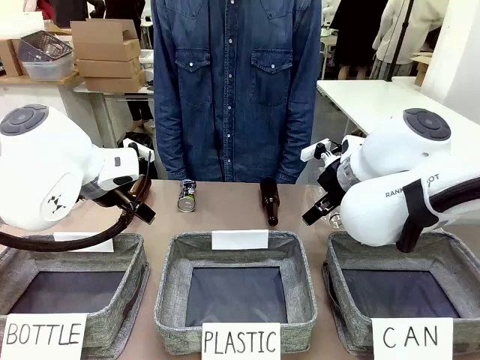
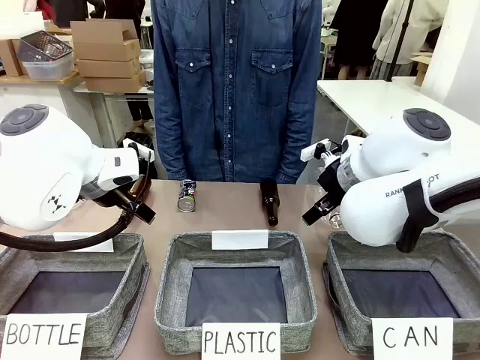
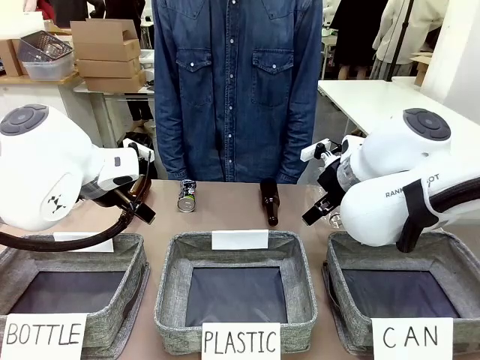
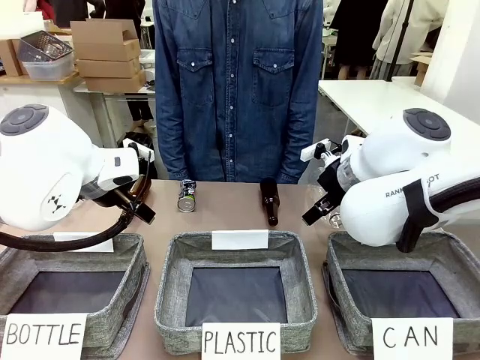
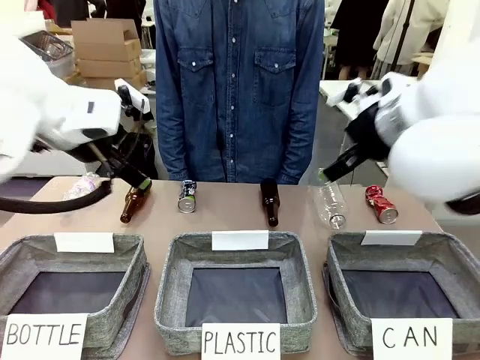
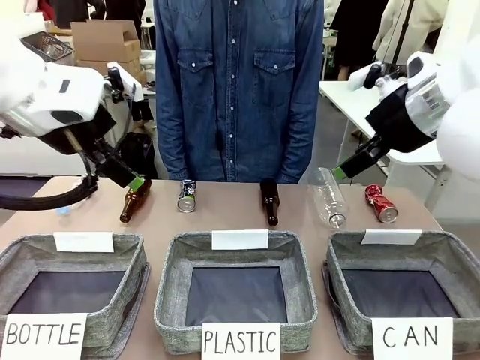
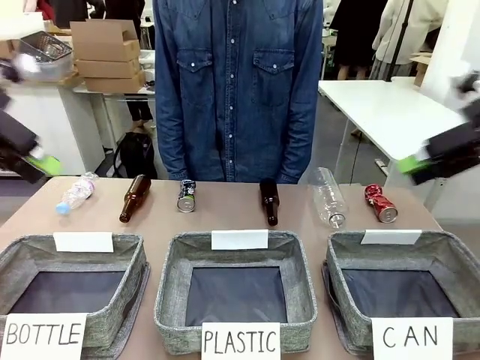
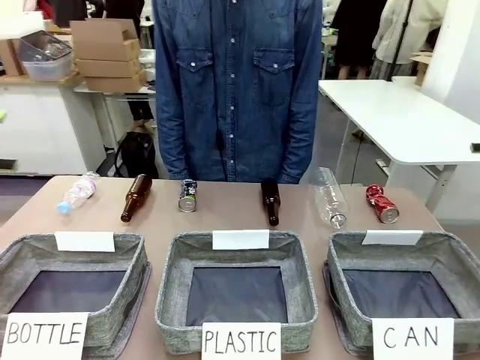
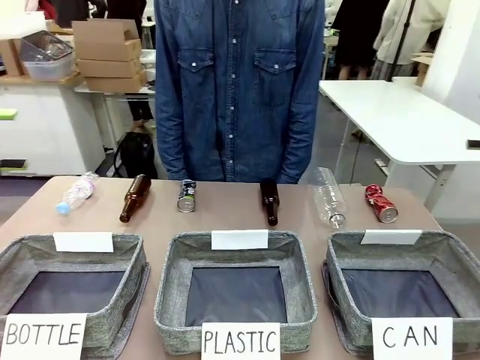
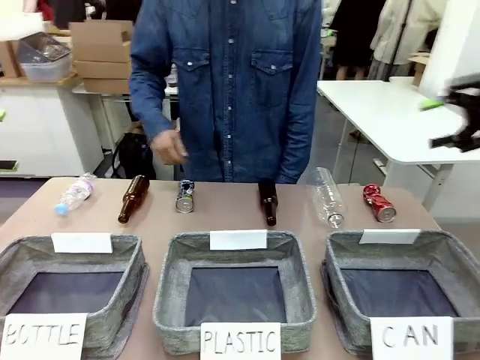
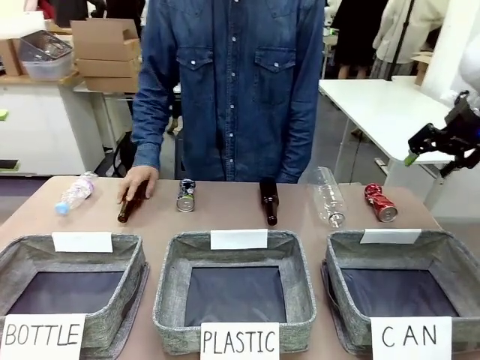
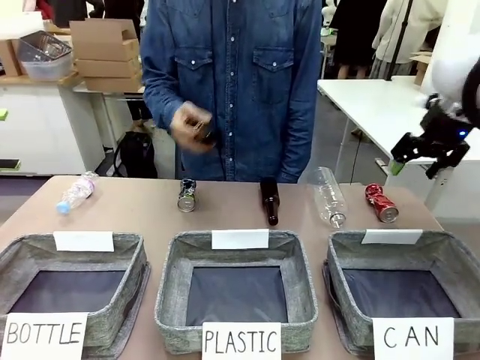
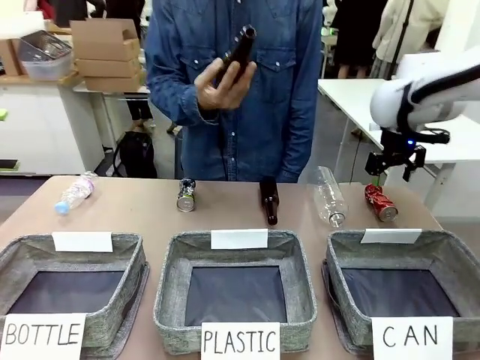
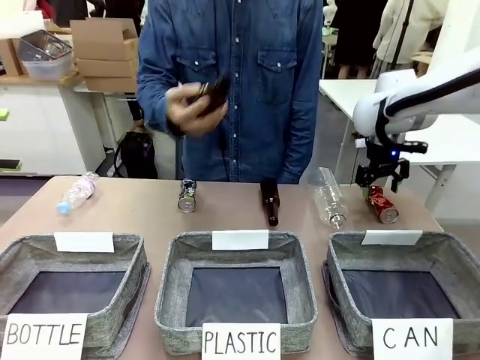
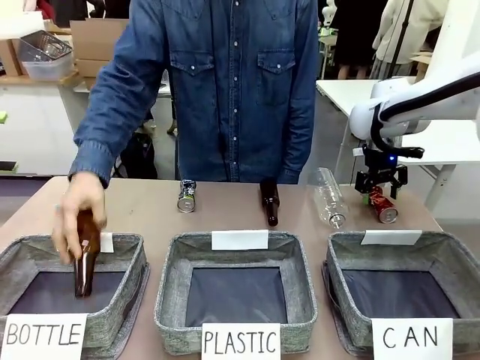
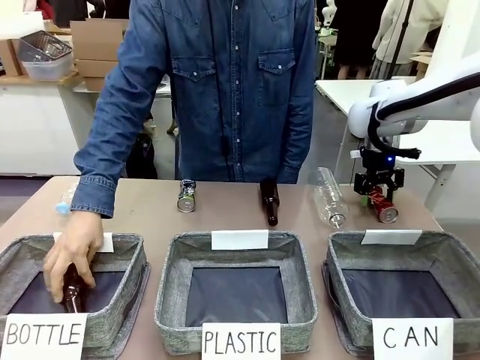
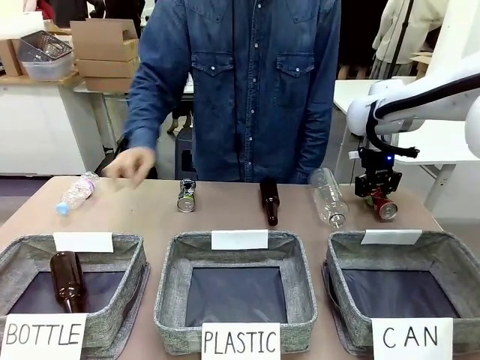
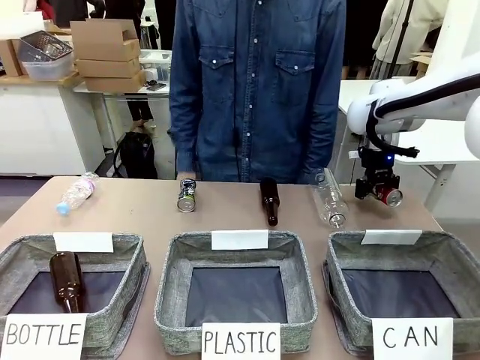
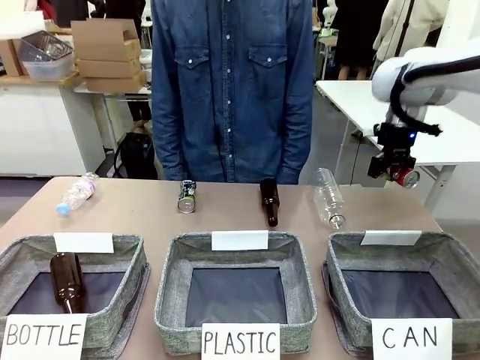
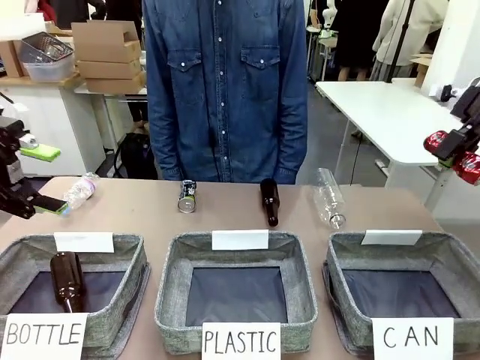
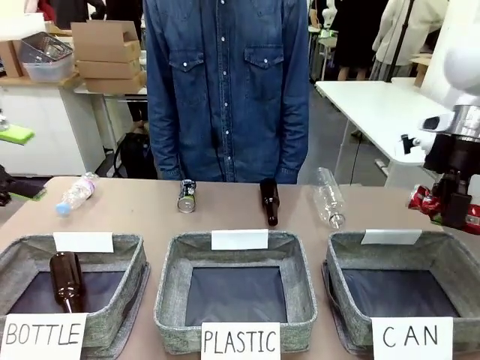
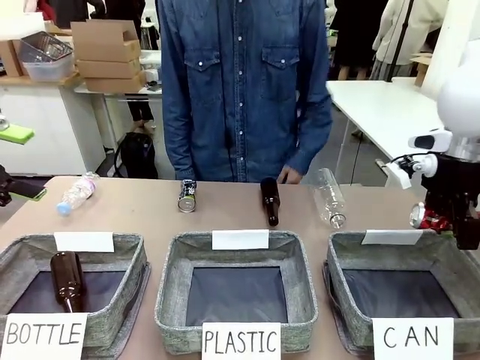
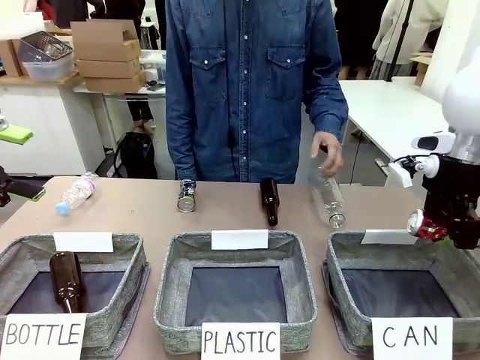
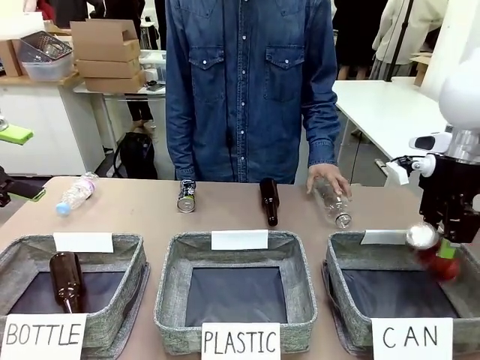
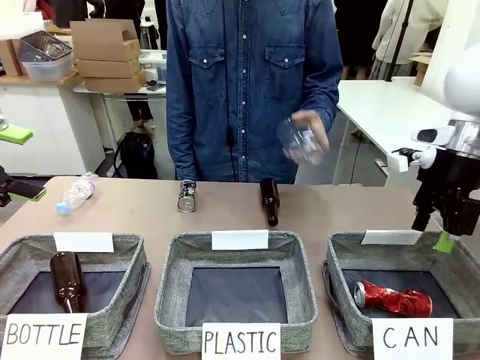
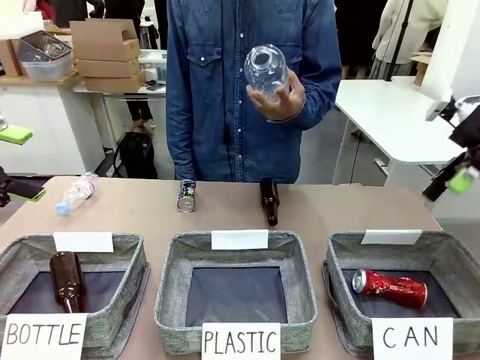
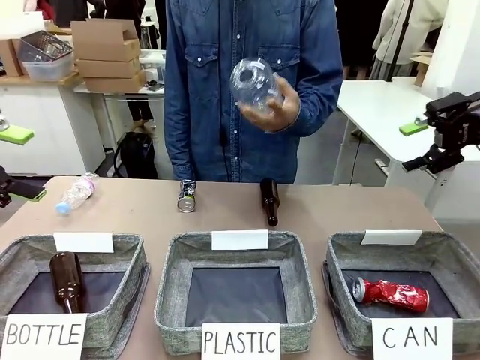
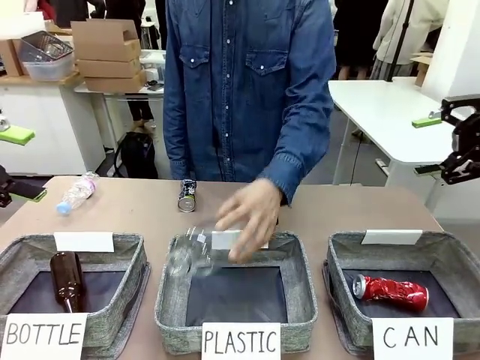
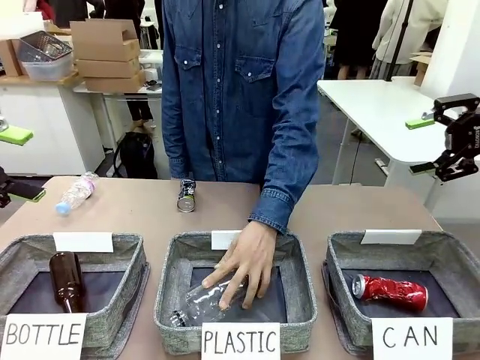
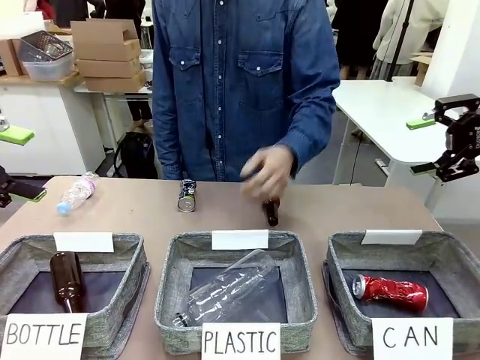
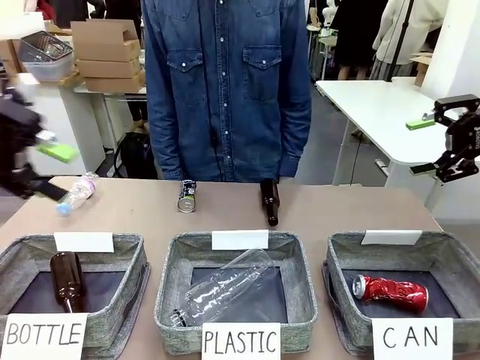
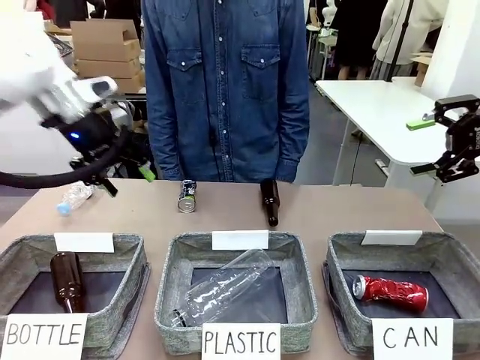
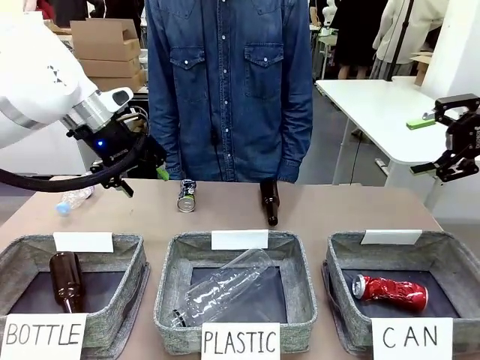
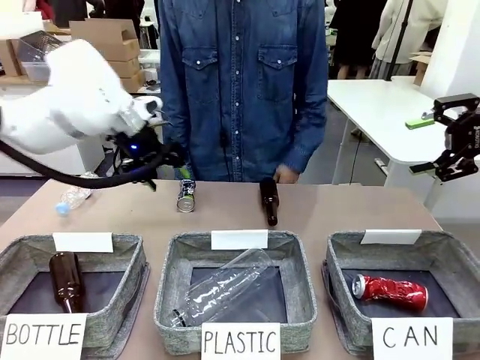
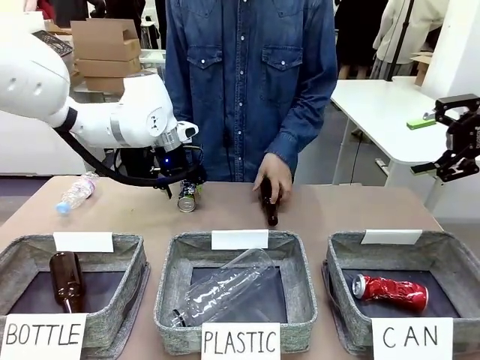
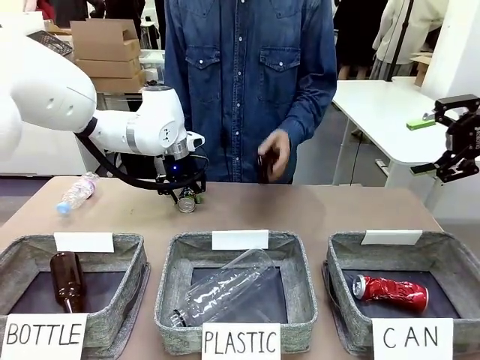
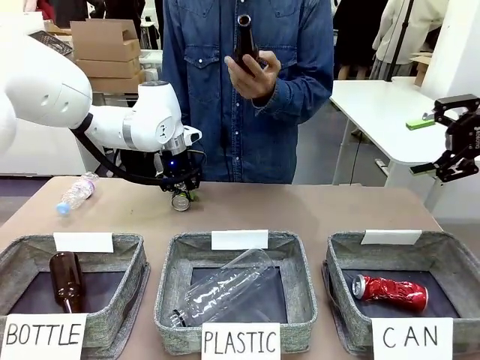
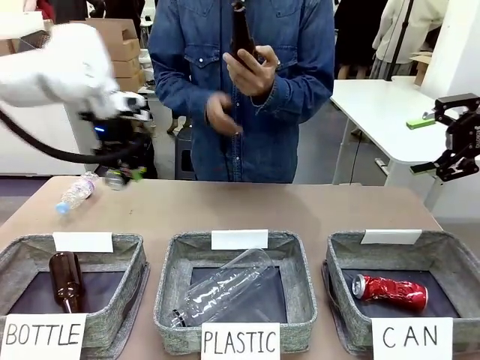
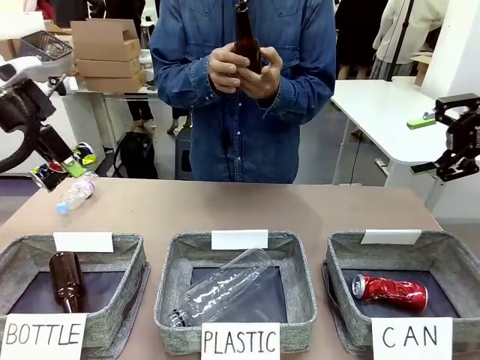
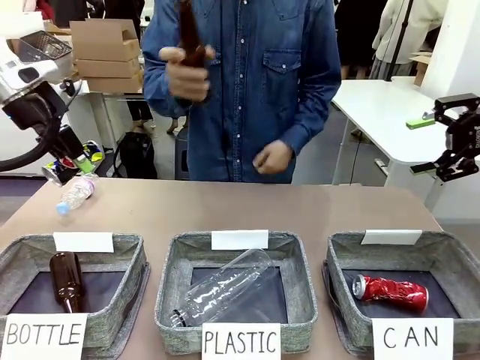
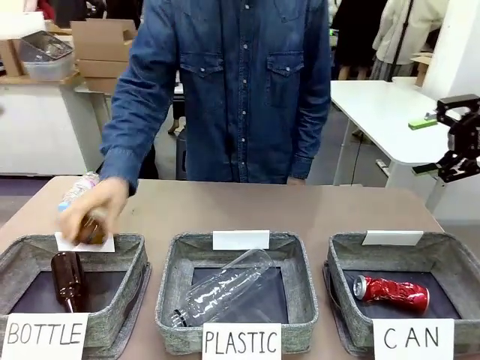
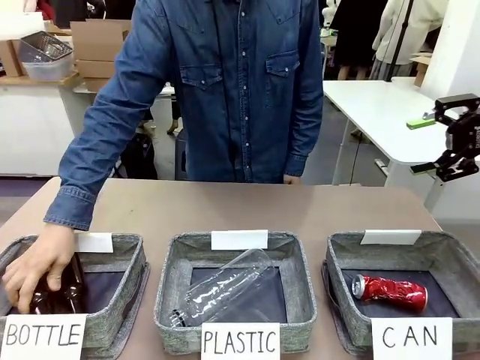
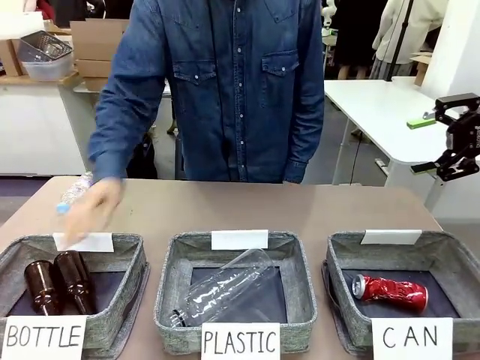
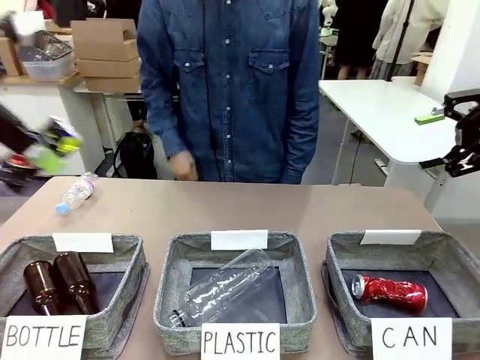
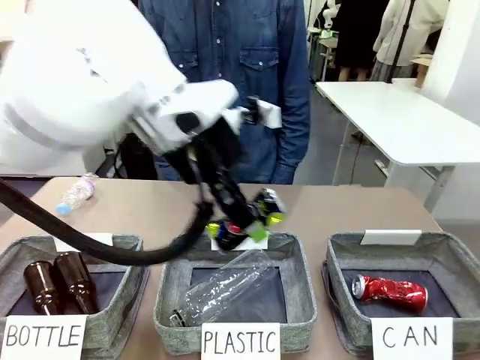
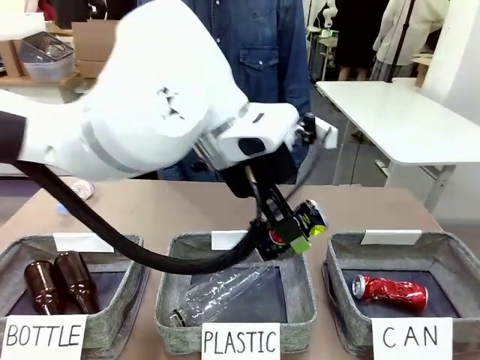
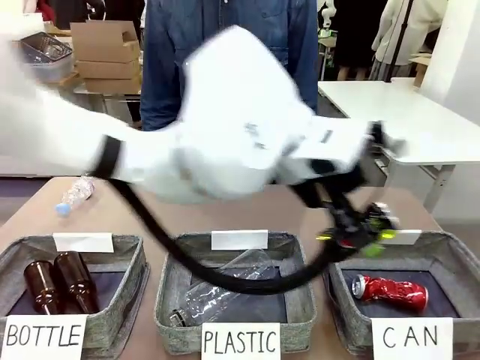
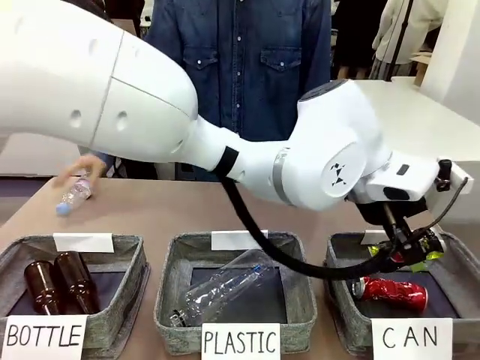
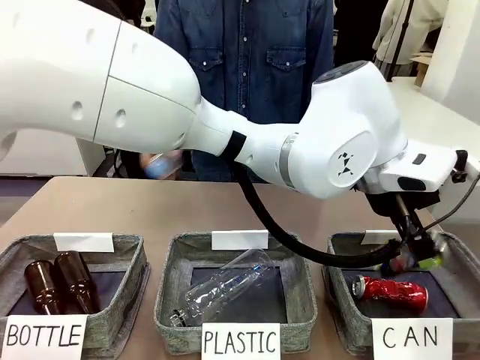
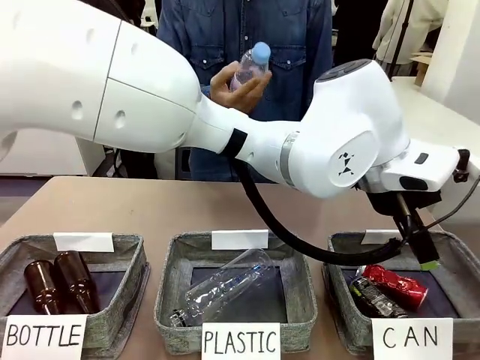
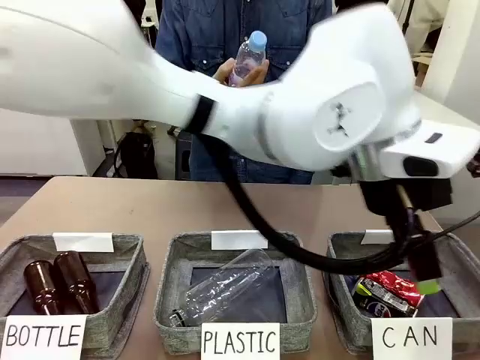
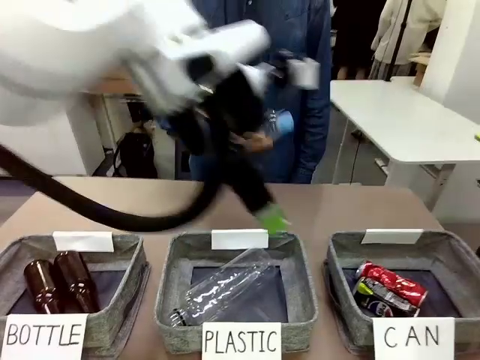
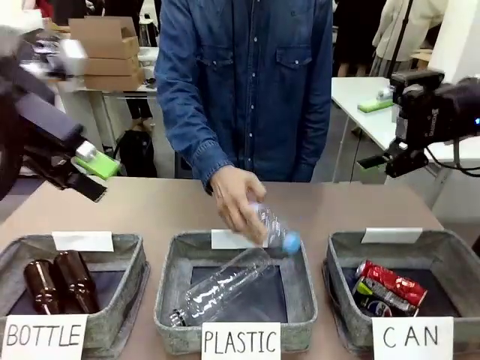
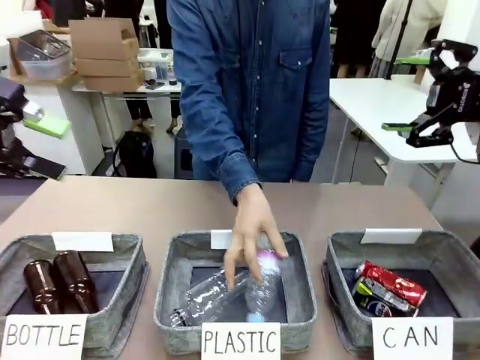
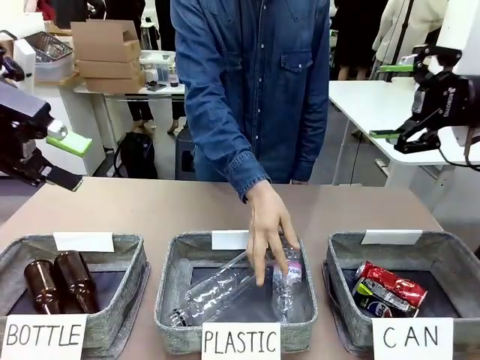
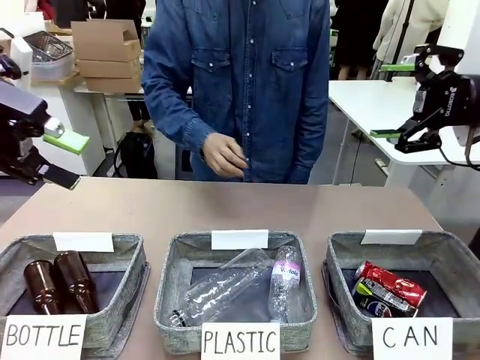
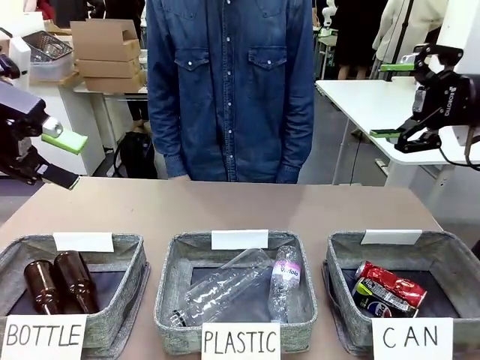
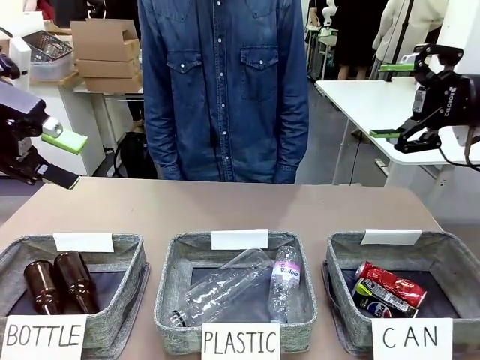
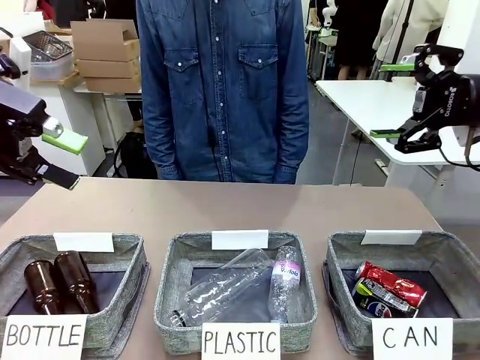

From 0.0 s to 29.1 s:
Task: Sort the can waste into the basket.
Robot: Pick up the can waste from the table and place it in the right Fabric basket.
Person: The human picks up one piece of trash that is not a can and places the trash into the appropriate organizing basket.
